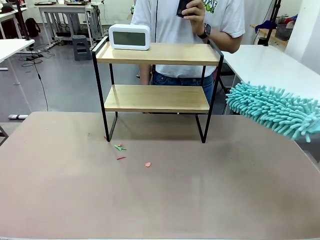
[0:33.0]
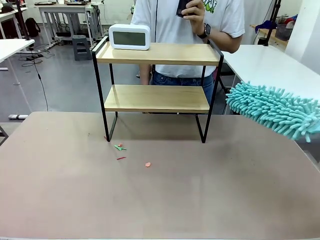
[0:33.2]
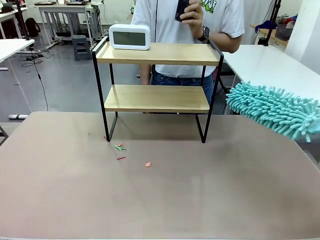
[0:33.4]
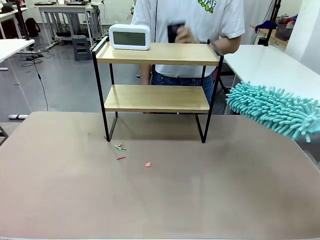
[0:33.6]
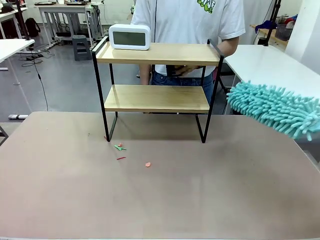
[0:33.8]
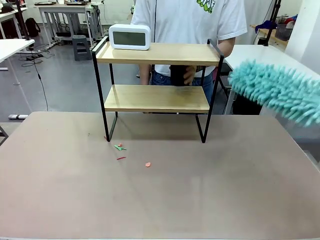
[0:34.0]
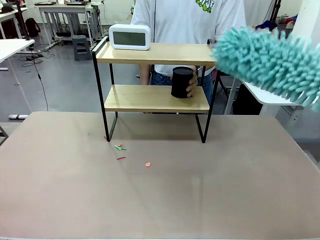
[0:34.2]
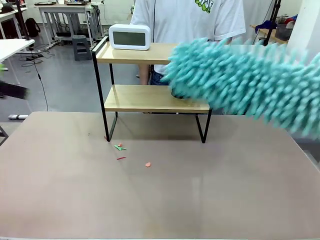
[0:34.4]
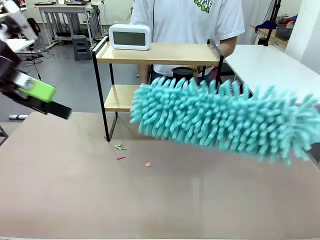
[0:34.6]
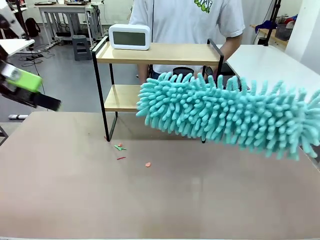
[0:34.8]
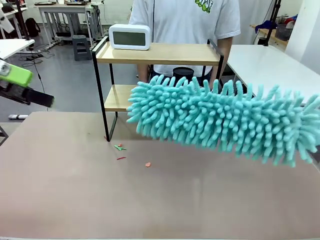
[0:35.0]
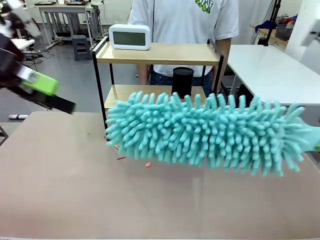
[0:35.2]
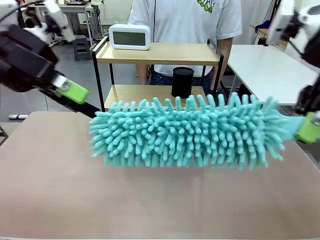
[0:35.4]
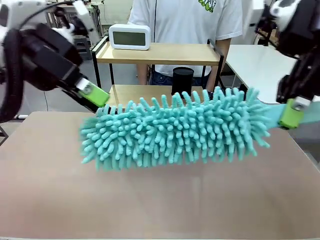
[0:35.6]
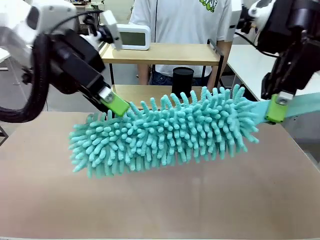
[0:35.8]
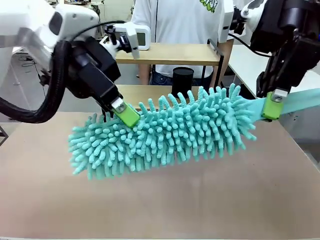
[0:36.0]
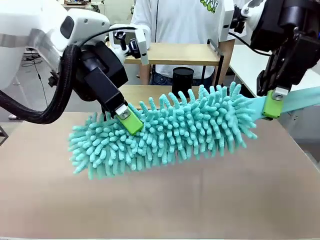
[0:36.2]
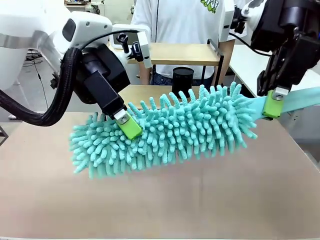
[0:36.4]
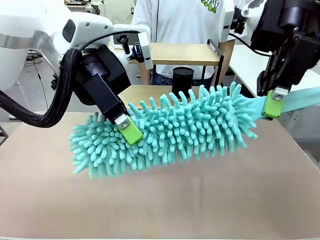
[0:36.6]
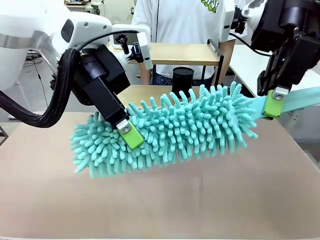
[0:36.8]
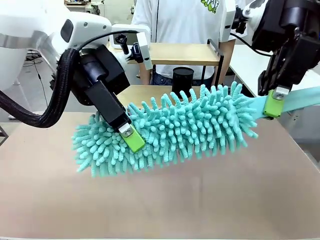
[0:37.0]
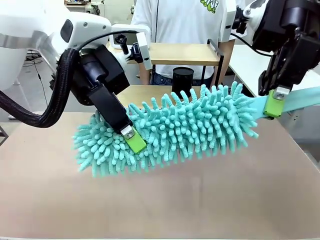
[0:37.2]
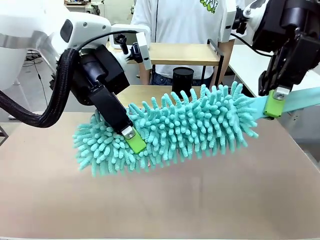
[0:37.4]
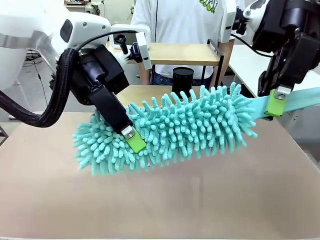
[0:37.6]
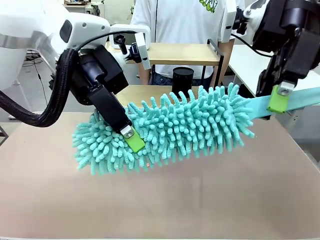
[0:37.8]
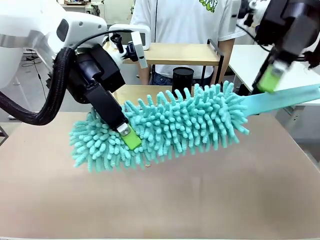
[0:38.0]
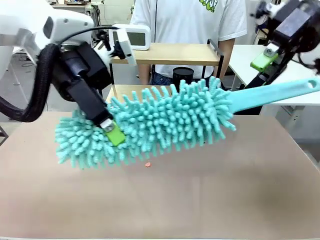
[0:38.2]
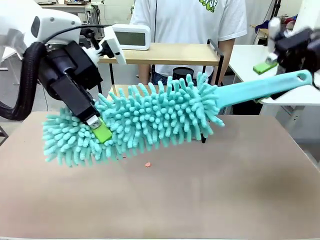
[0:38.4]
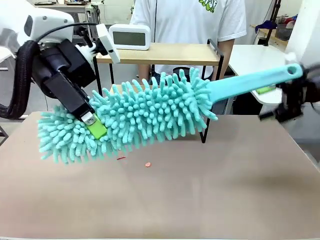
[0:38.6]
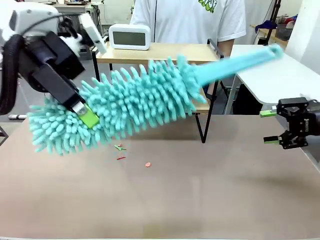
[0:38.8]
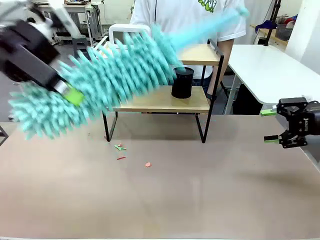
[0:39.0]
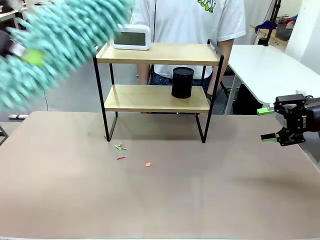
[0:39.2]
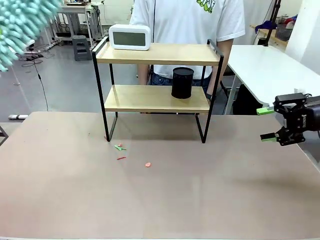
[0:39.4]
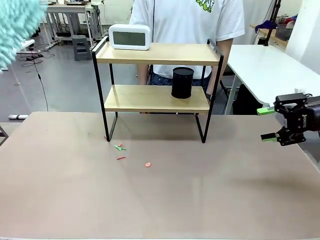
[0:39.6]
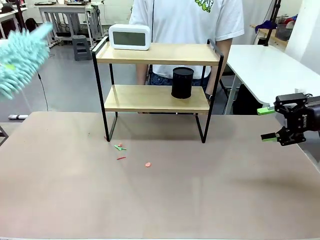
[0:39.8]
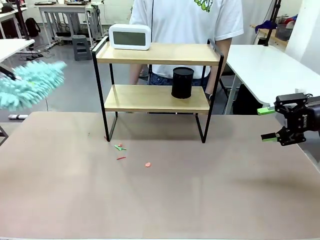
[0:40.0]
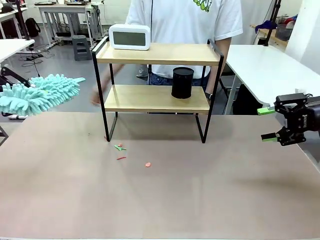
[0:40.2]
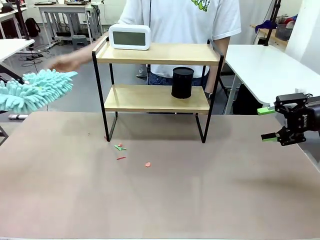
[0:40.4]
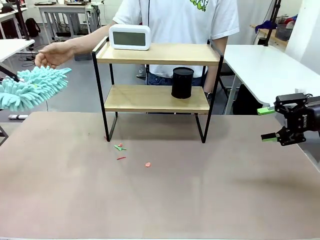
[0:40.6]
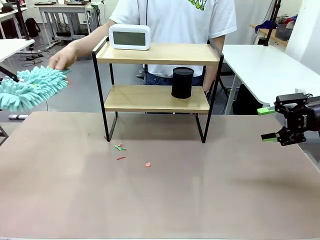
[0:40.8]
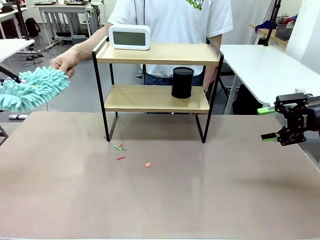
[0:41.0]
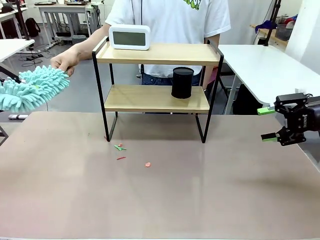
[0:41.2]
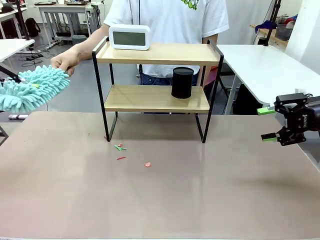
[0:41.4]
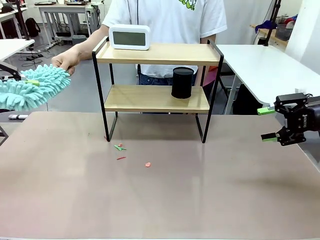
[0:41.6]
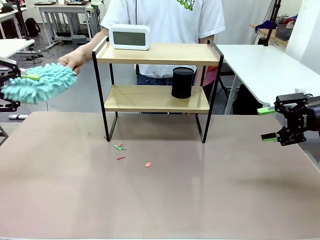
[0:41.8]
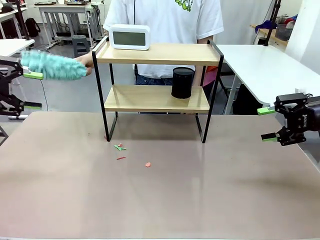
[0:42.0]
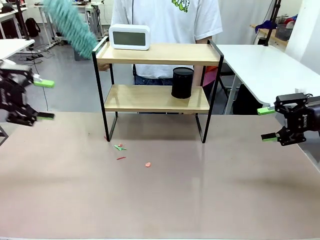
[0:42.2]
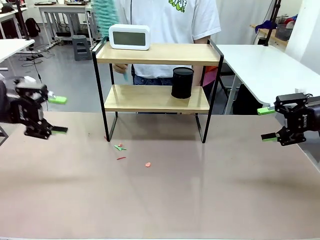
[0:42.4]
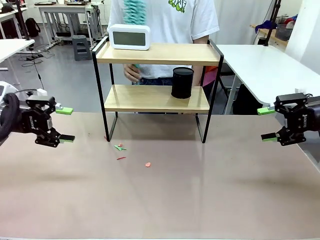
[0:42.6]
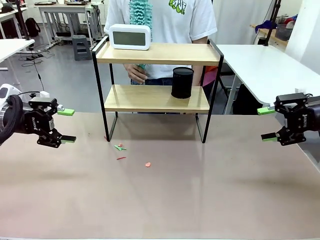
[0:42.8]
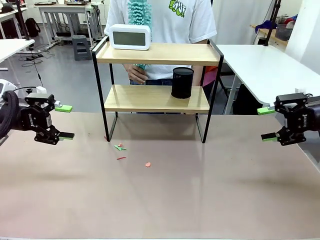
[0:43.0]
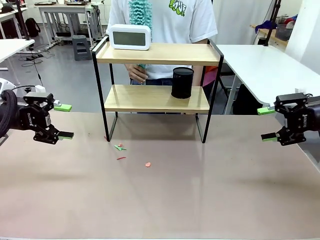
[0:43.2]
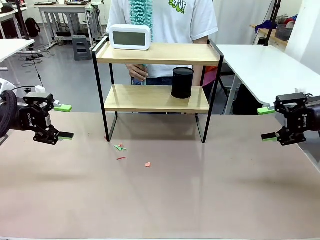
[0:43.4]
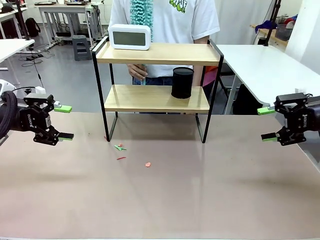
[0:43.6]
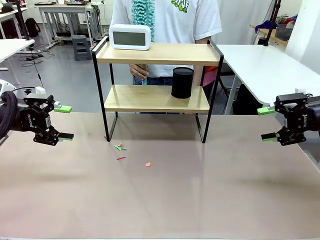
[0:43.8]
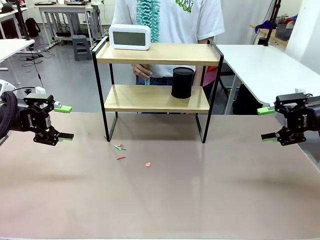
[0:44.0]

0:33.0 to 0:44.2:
Task: Clean the shelf.
Robot: Hand the Duster back to the human.

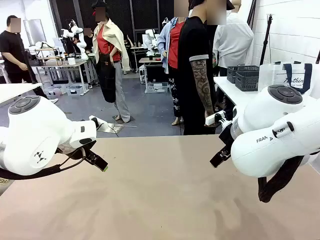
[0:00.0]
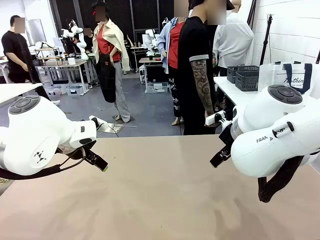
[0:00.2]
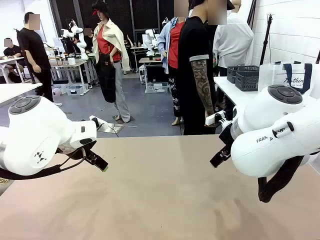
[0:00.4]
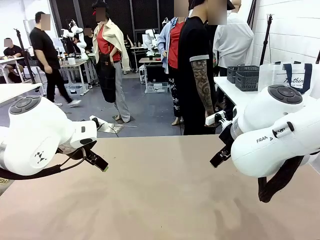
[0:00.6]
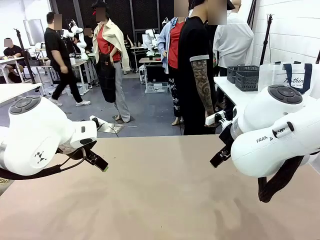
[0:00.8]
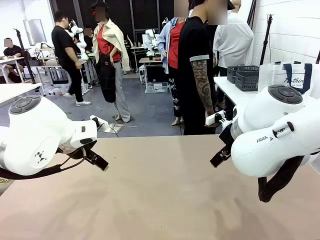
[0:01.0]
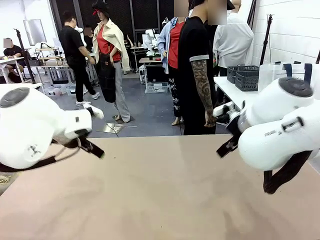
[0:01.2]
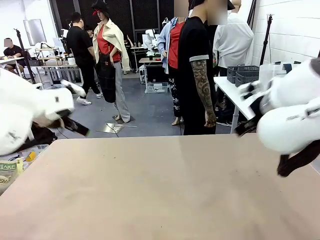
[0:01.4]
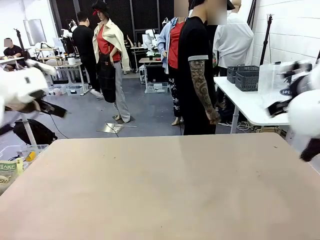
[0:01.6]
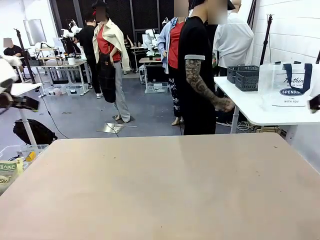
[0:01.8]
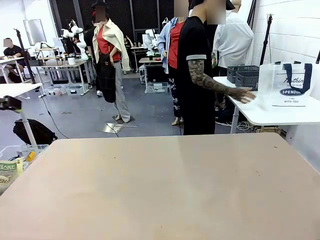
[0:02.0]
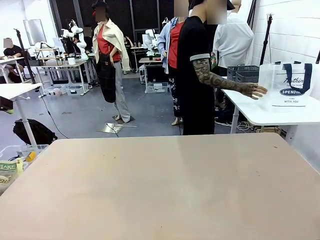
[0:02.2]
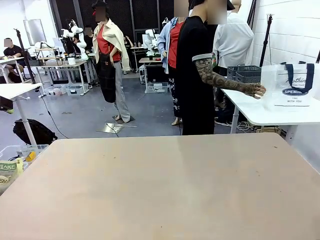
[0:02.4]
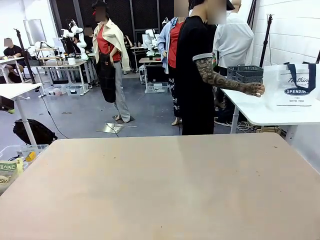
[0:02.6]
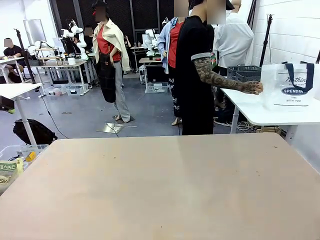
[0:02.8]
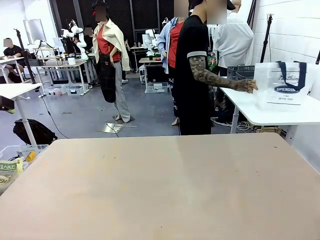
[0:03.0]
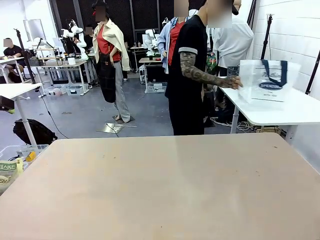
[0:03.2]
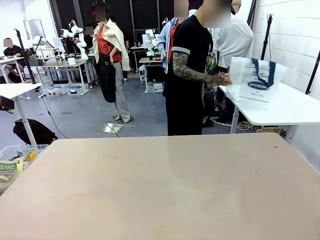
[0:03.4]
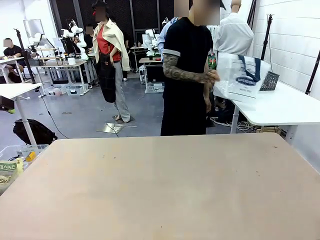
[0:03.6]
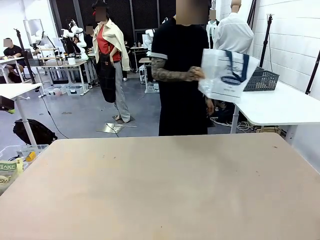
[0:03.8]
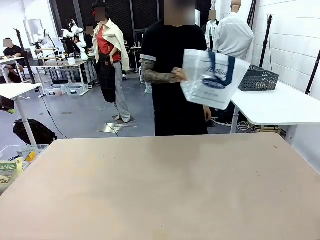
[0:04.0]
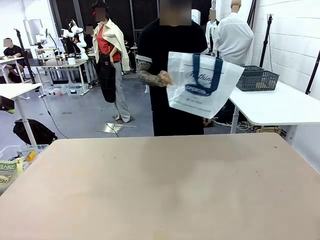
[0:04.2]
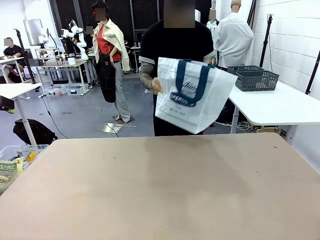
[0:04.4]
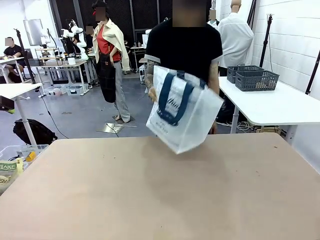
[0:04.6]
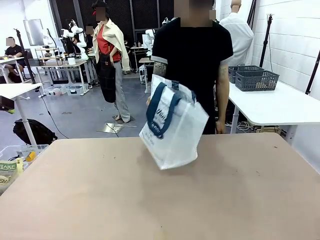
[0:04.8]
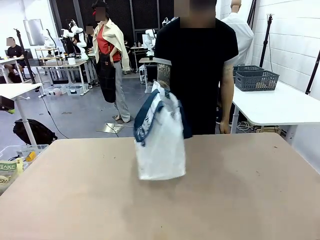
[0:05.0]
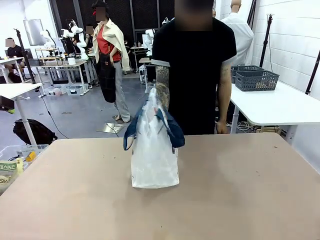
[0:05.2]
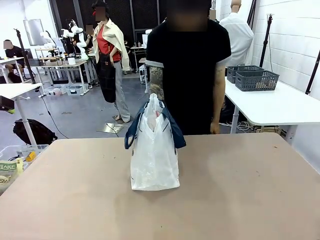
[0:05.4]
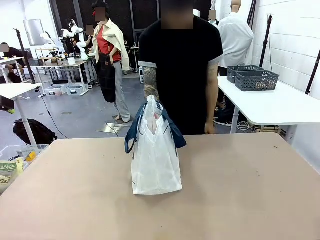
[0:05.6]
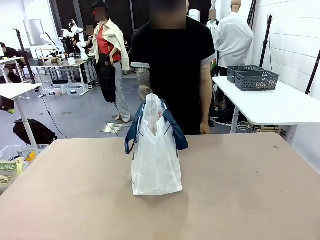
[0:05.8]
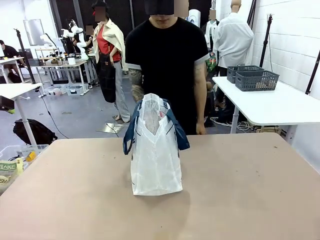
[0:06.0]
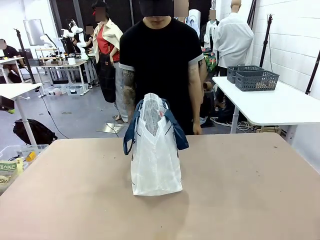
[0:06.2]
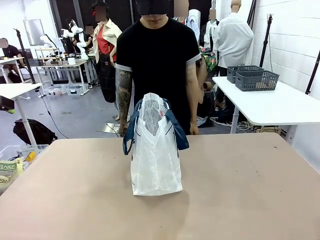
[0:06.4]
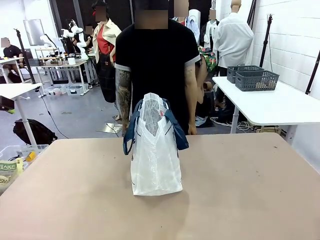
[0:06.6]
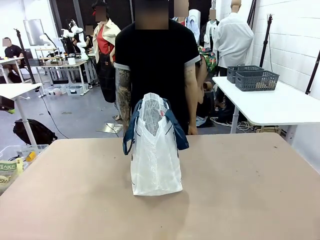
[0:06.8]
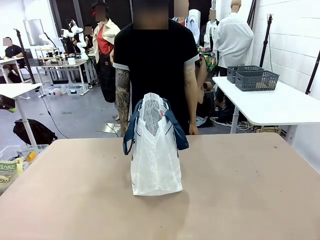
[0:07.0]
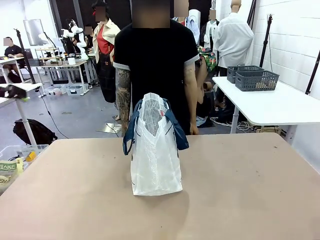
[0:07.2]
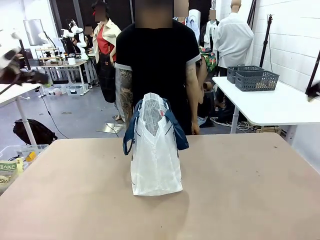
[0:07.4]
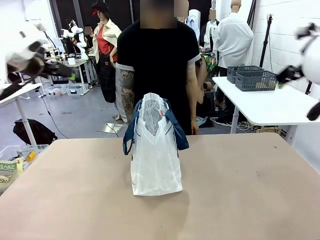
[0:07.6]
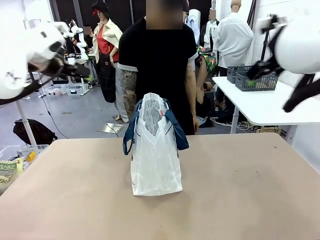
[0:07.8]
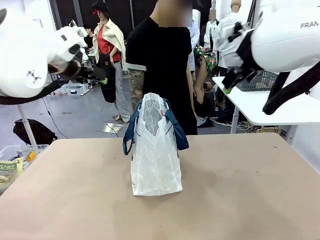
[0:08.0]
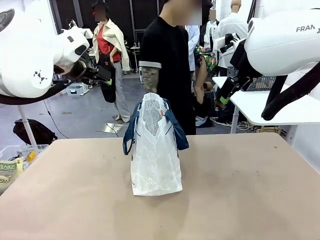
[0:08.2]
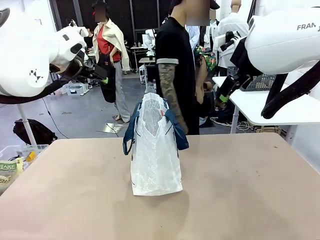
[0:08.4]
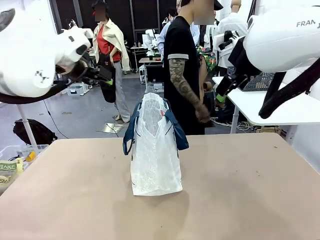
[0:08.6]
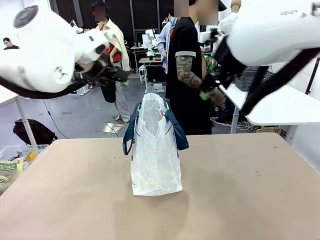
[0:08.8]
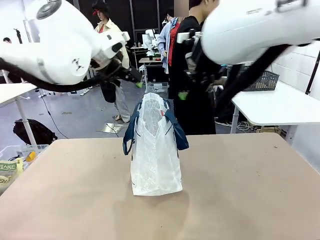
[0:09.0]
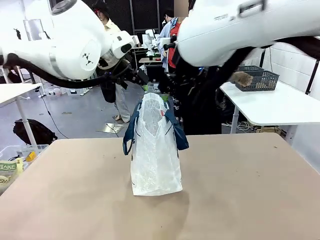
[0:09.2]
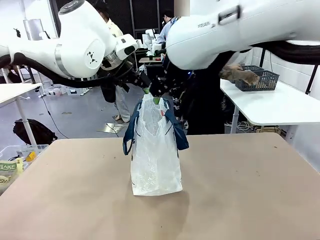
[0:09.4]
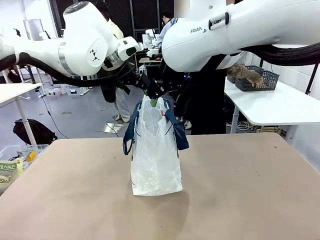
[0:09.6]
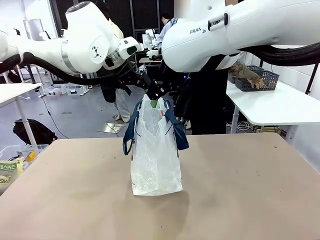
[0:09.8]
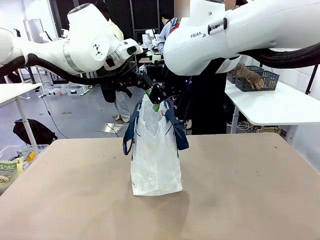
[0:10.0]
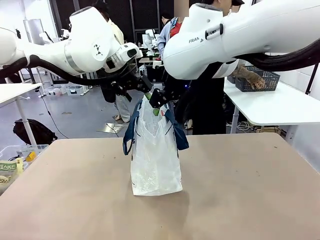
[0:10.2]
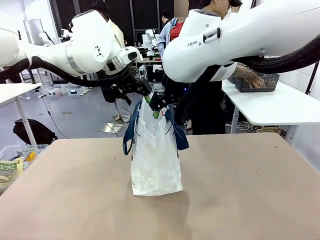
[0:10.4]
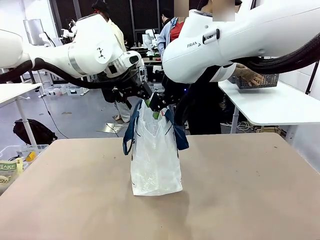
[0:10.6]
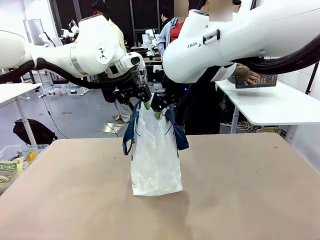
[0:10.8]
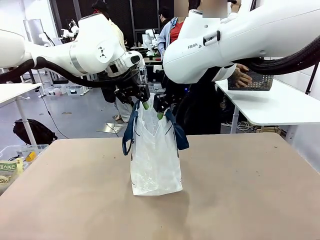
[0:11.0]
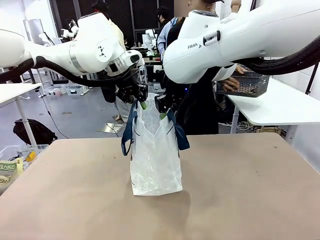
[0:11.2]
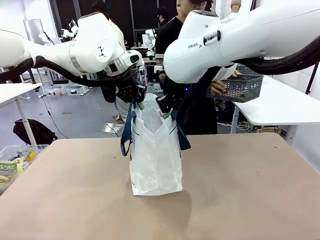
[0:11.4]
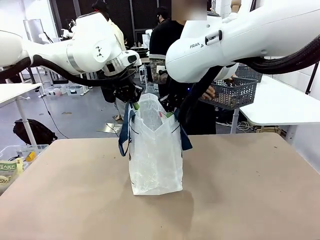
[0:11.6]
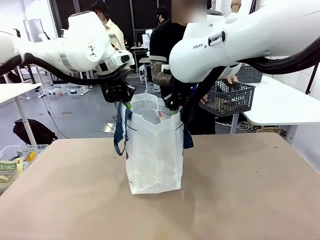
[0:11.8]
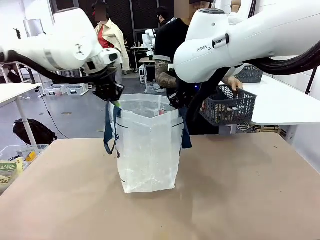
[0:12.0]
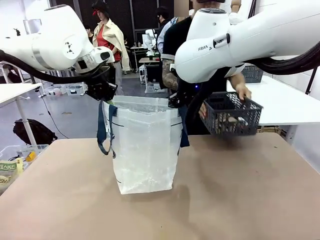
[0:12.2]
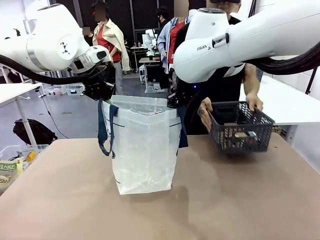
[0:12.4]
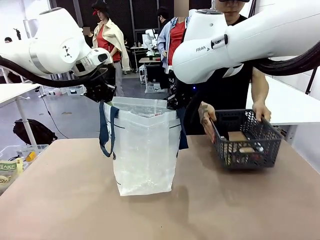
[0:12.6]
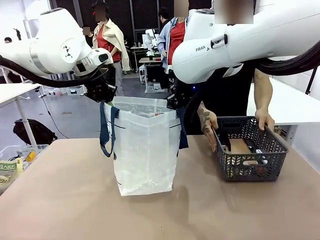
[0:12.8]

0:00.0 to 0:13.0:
Task: Transfer purchased items from the store into the shopping bag.
Robot: Open the Reusable shopping bag in the center of the table.
Person: Pick up the shopping bag and place it in the middle of the robot table. Pick up the basket on the right, place it on the left side of the robot table, and move the items in the basket to the shopping bag.
